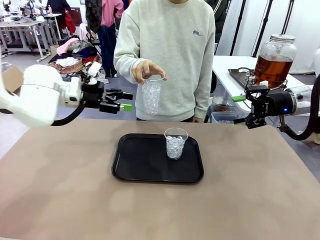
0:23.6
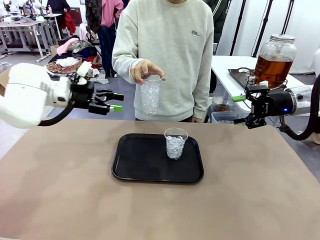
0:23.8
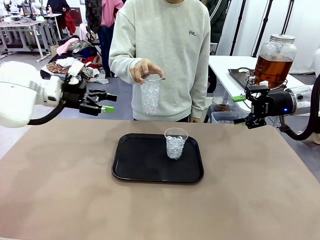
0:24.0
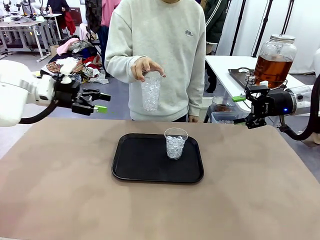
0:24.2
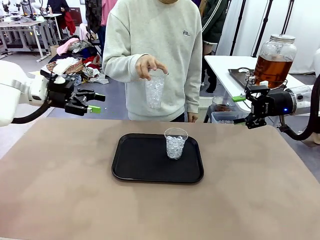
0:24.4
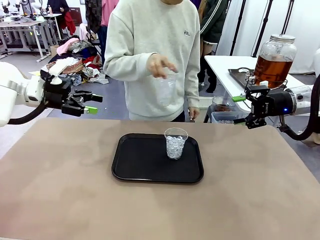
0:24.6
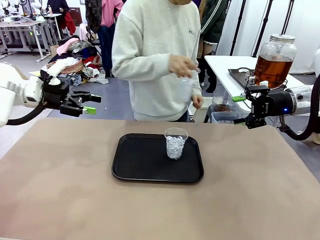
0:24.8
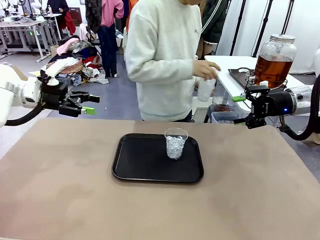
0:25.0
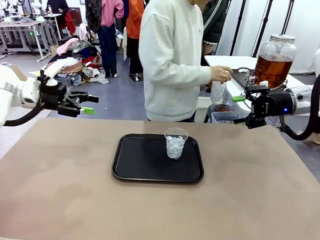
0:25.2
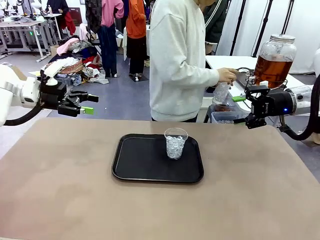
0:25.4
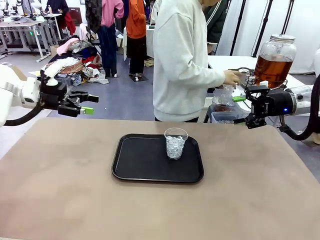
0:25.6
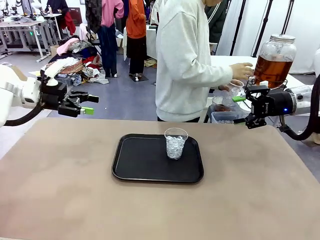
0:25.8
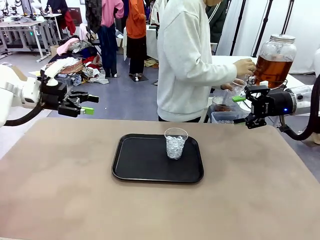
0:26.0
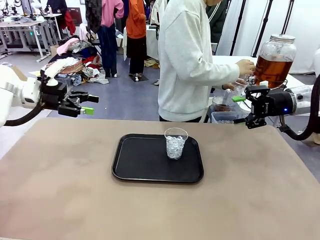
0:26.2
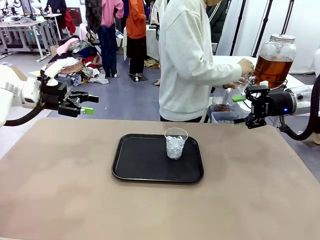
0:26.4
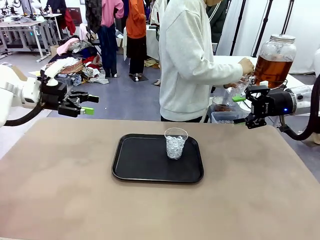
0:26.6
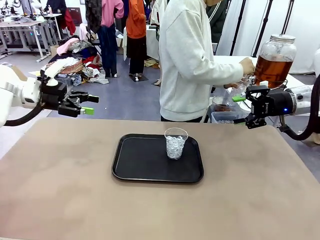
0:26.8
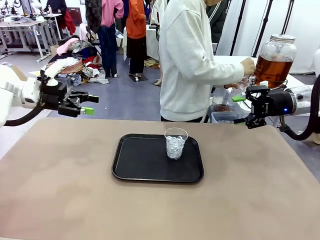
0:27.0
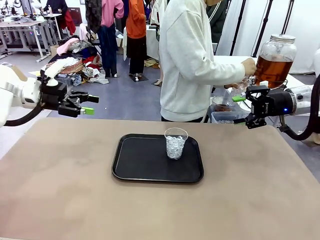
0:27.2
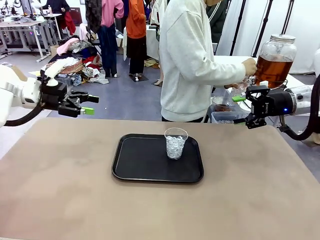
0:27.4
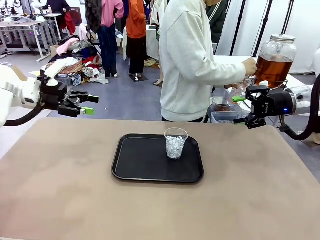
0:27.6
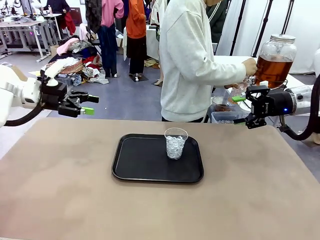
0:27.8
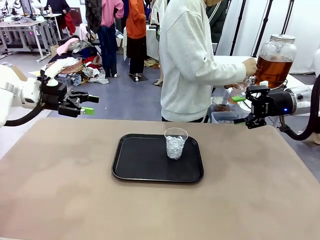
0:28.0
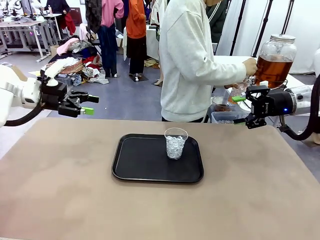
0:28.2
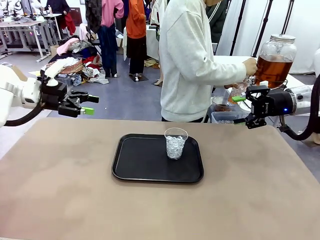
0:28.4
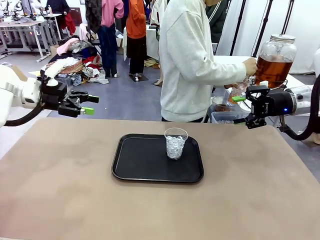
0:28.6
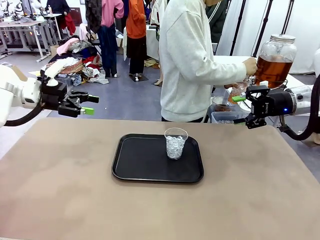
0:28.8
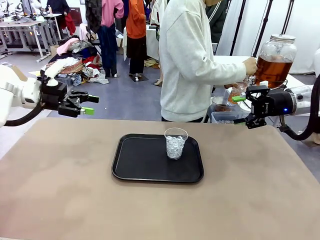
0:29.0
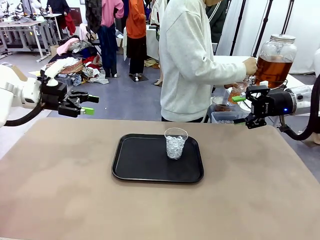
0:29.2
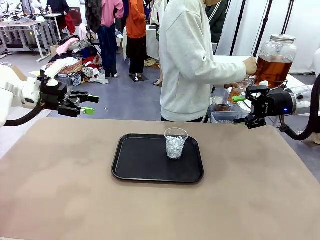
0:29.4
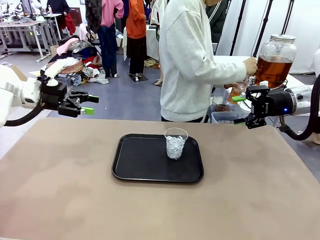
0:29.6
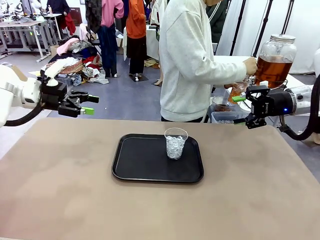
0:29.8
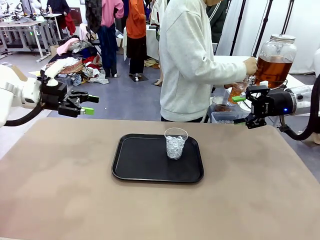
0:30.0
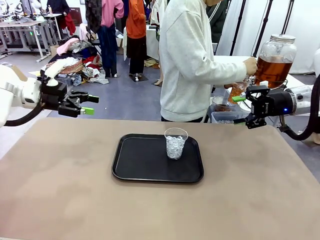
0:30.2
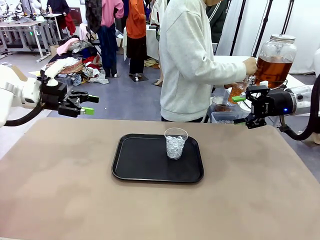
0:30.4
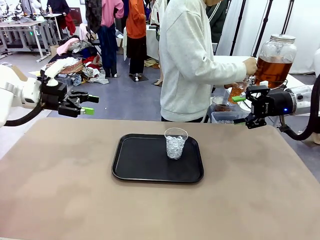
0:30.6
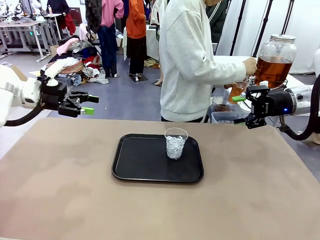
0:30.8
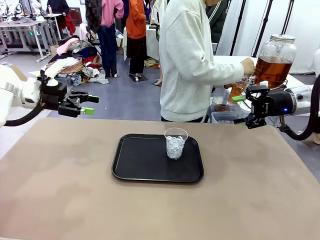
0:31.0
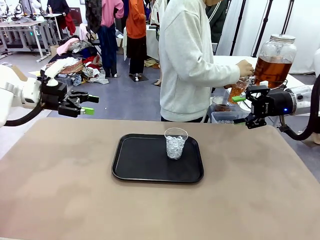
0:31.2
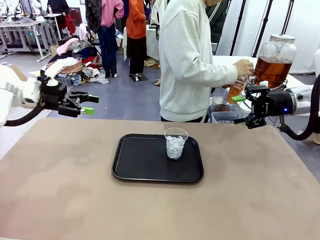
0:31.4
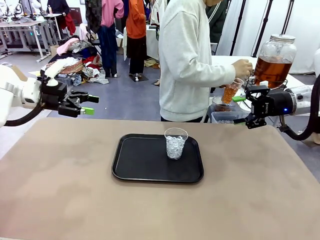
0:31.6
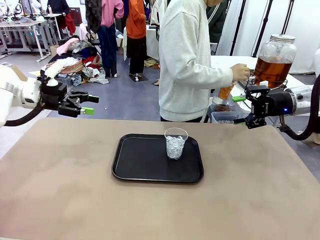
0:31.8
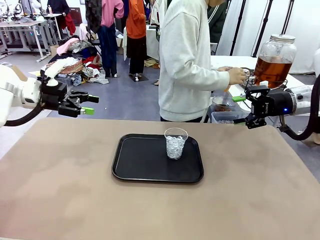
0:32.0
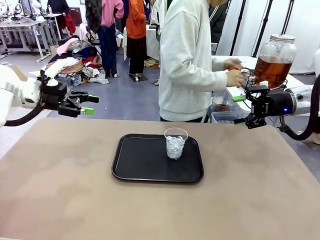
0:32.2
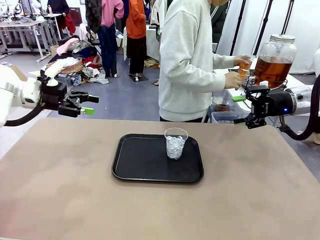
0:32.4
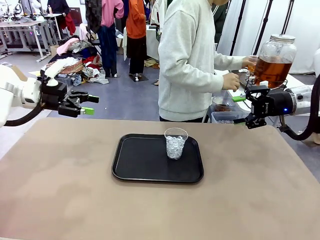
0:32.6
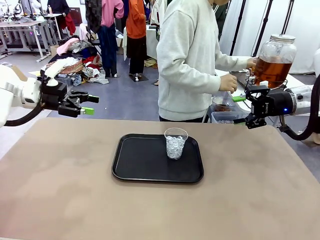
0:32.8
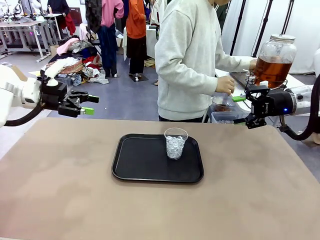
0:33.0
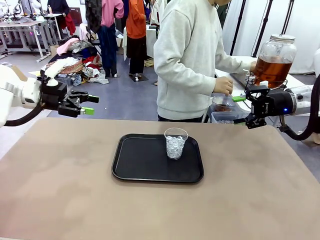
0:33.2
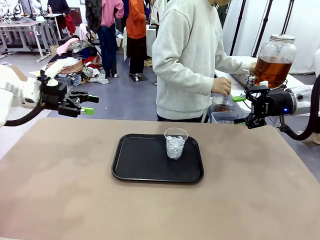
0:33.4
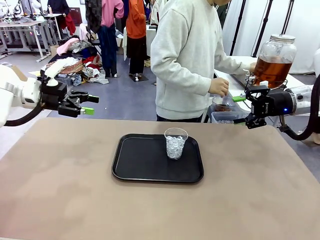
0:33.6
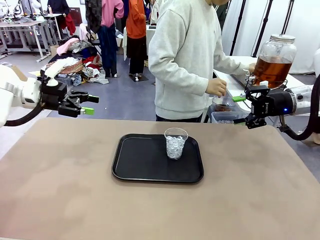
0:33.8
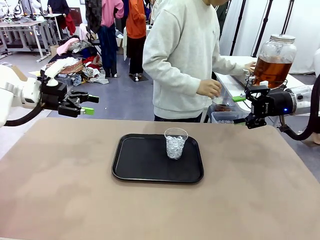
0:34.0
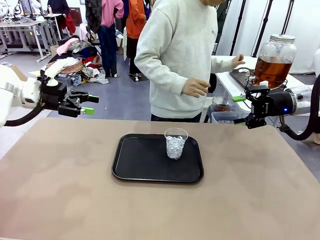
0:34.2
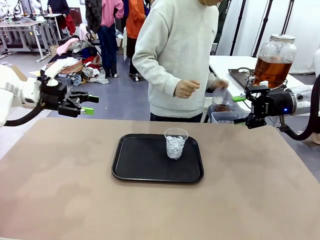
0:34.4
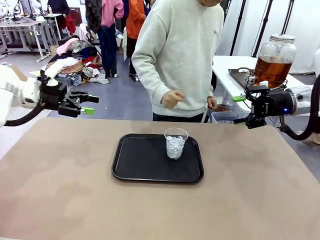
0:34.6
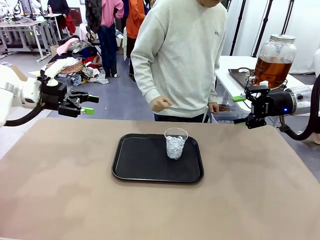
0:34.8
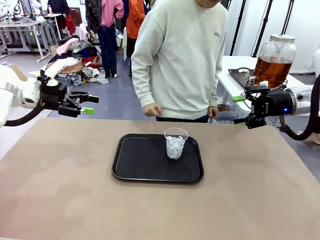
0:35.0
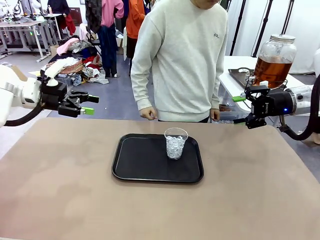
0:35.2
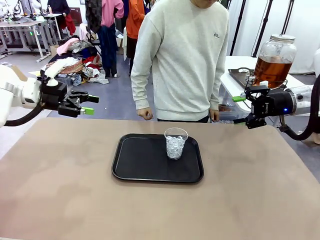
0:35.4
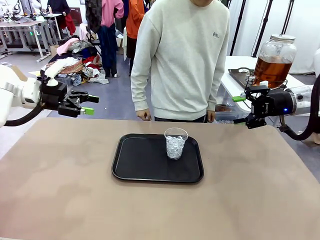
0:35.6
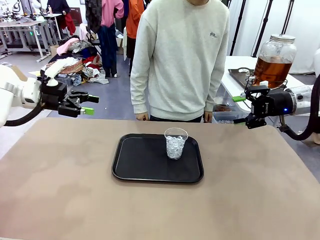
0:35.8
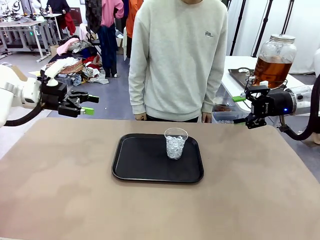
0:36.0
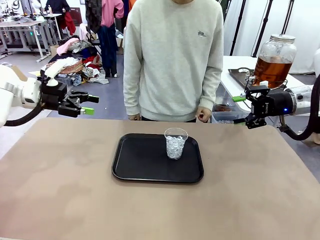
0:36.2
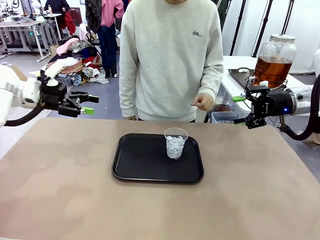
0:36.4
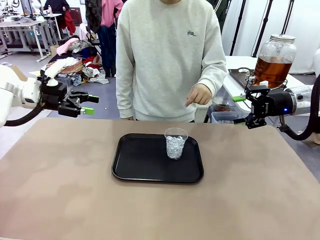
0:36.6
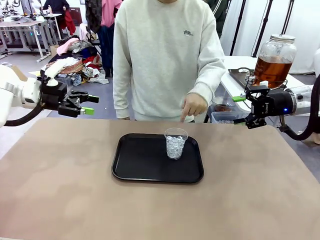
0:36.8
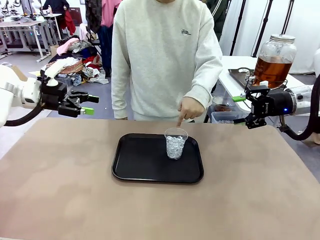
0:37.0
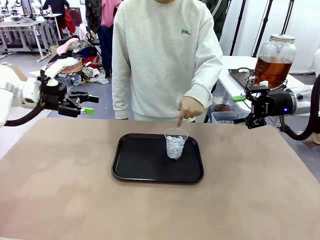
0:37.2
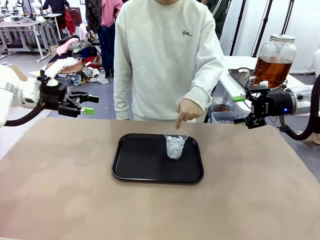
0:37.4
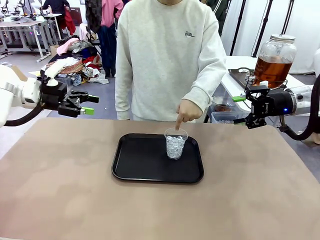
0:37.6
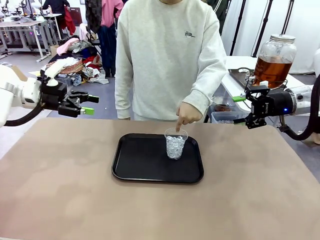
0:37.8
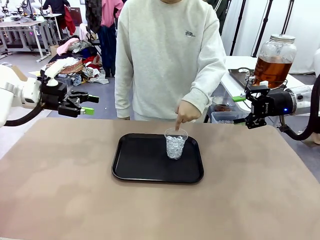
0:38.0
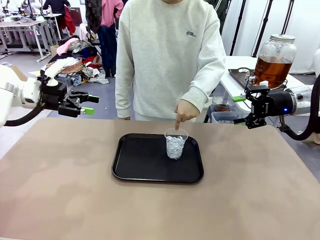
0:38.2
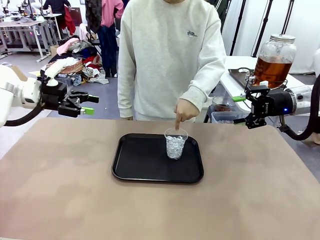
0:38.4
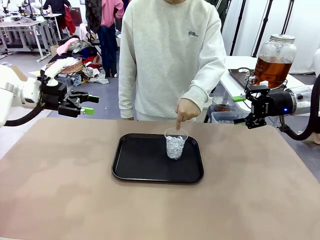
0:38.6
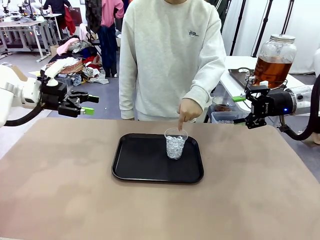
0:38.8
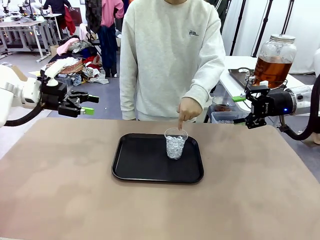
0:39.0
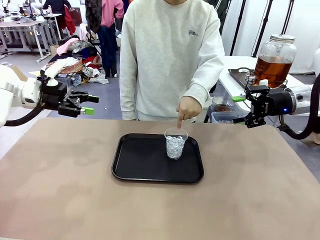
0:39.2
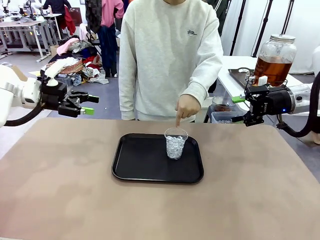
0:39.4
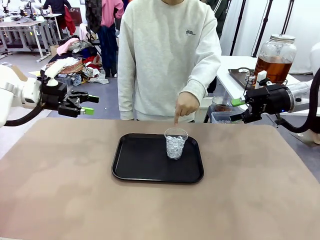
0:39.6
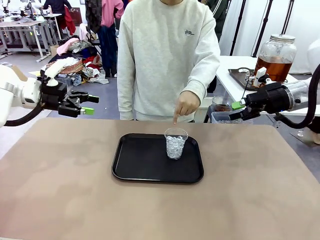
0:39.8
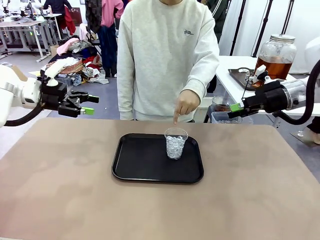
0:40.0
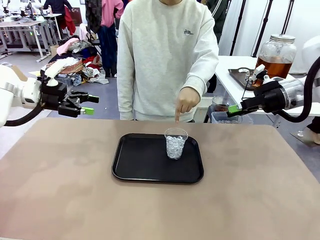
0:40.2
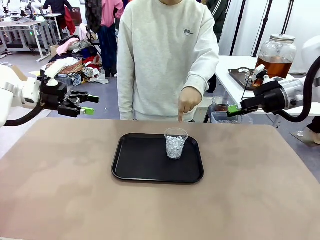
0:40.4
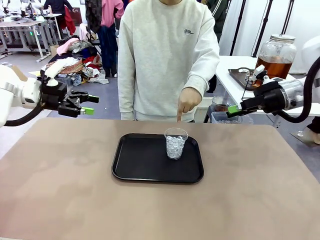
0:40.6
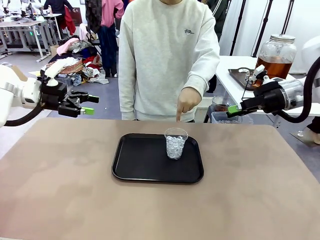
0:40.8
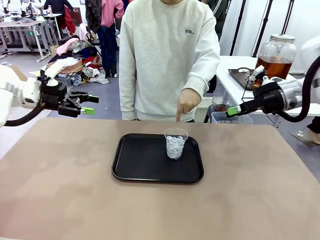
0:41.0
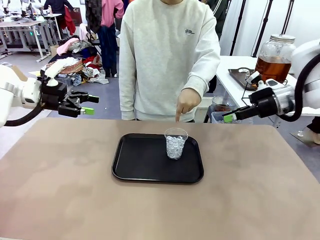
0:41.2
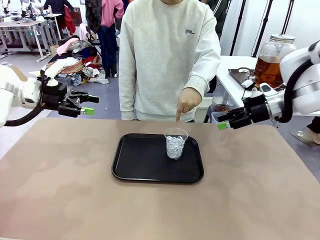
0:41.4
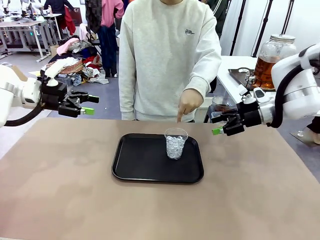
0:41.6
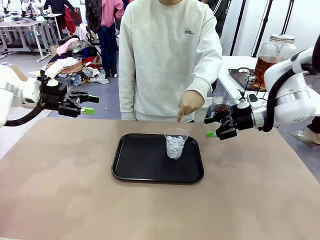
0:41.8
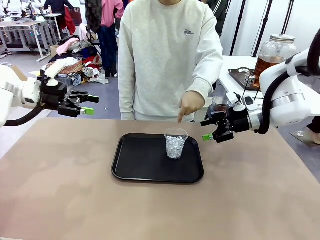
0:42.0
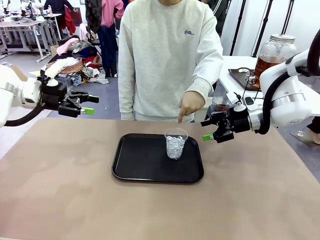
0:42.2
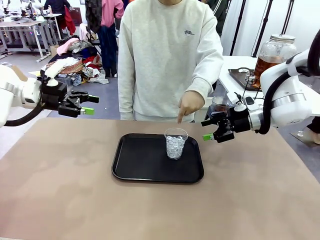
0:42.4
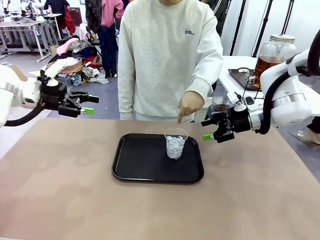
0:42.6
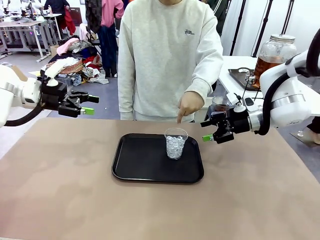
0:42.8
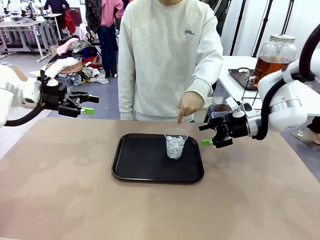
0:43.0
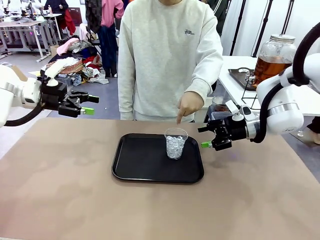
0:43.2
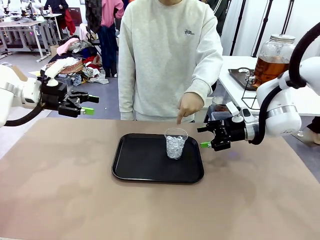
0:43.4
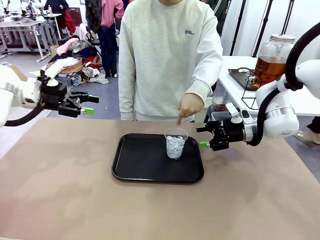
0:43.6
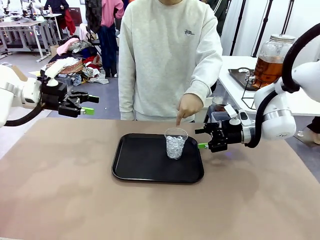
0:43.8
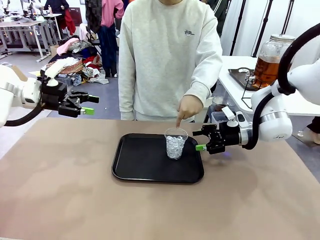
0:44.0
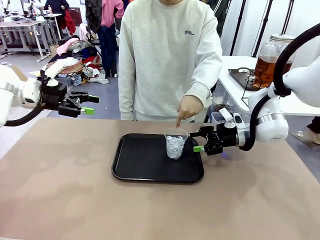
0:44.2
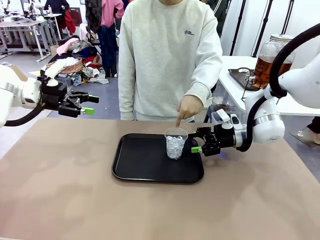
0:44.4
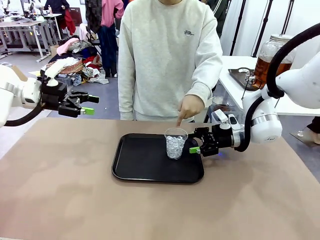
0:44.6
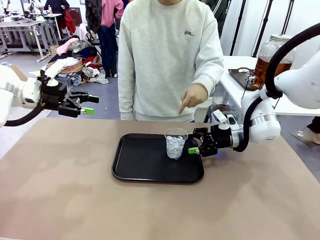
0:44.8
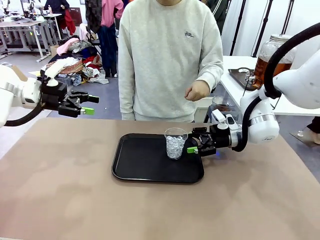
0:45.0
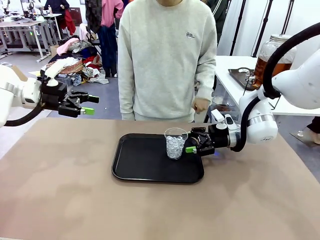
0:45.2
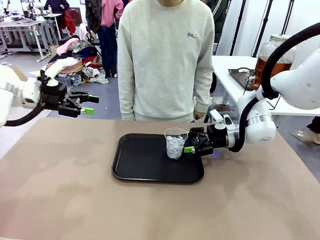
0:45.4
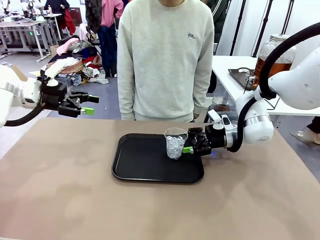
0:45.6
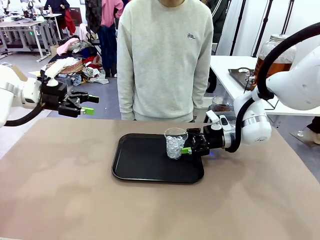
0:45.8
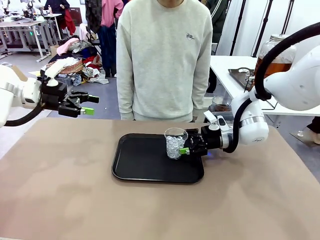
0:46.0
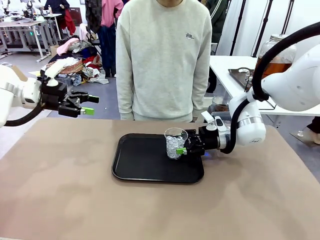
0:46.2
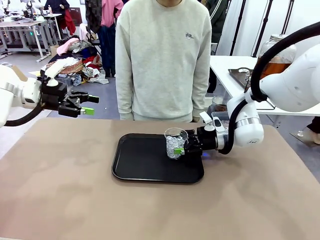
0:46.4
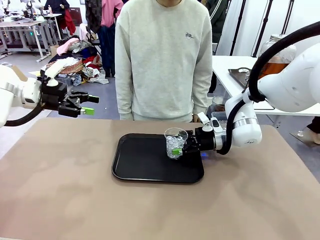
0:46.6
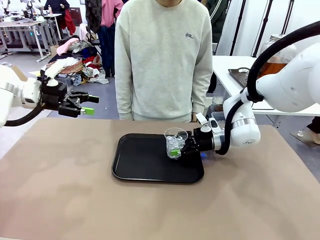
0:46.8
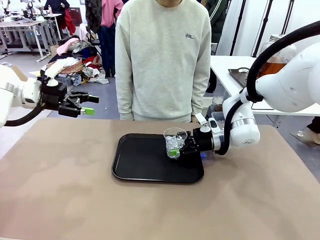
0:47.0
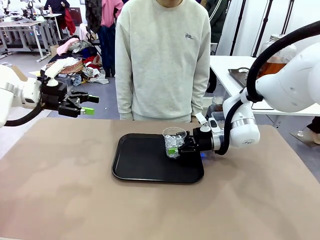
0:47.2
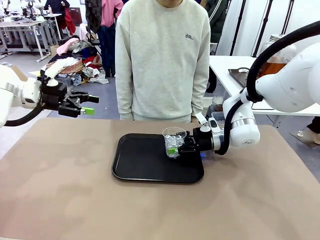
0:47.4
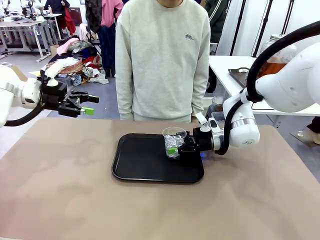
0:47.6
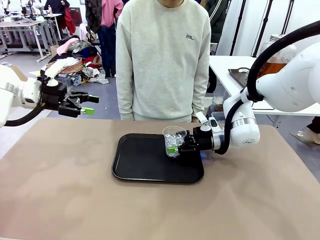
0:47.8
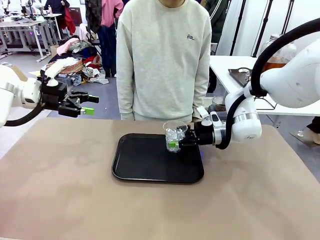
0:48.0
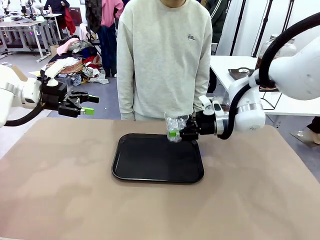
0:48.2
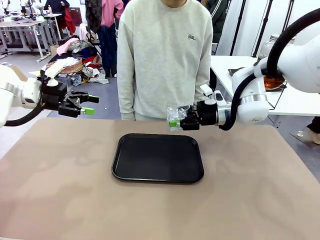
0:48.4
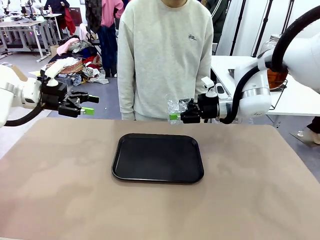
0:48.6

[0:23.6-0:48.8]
Task: Pour the drink into the iced cup.
Robot: Pick up the iced cup indicated by the human and present it to them.
Person: Move the picked-up cup under the dispenser faucet, pour the drink, and place it on the tray on the human table. Point to the remaining ice cup on the robot table. Pick up the cup offered by the robot.
